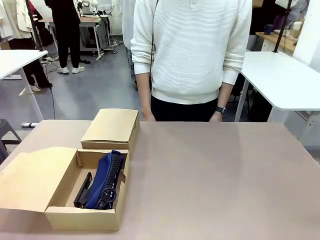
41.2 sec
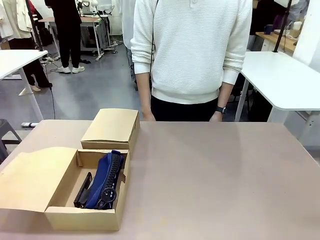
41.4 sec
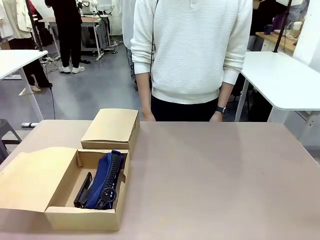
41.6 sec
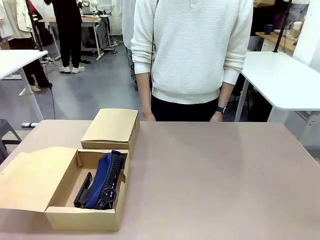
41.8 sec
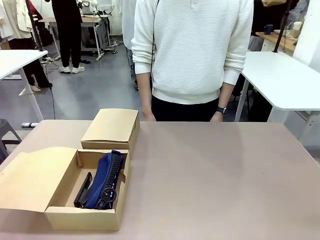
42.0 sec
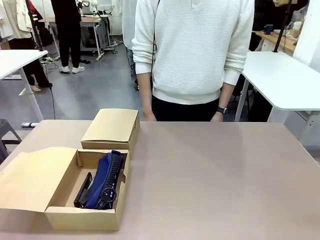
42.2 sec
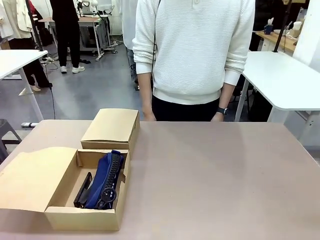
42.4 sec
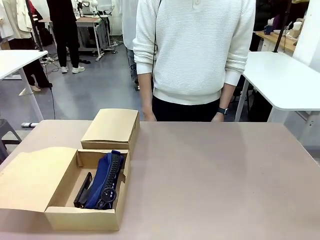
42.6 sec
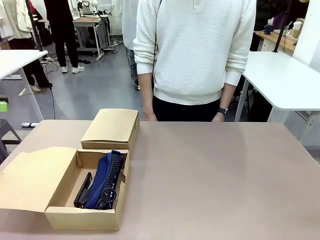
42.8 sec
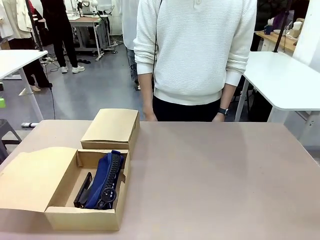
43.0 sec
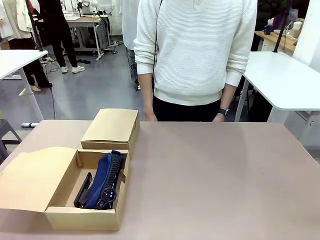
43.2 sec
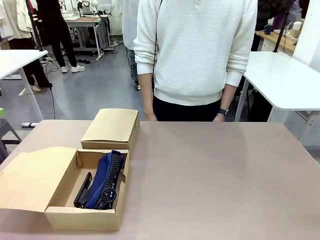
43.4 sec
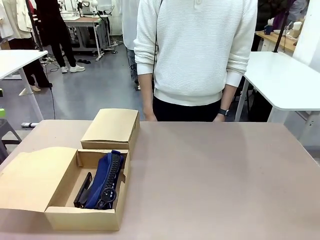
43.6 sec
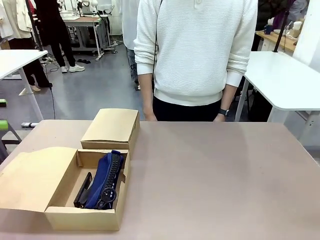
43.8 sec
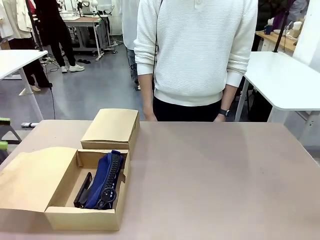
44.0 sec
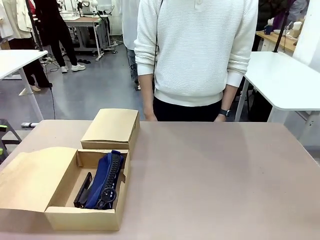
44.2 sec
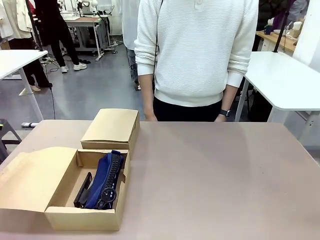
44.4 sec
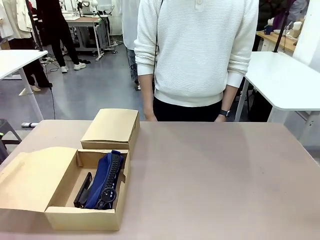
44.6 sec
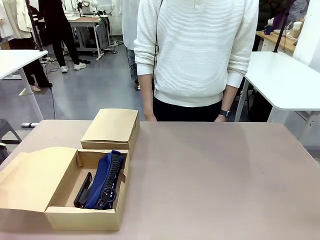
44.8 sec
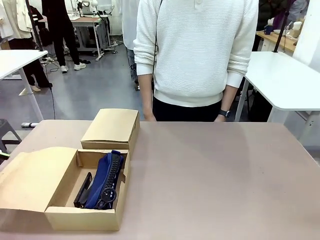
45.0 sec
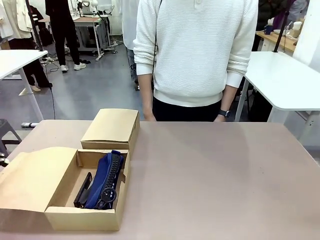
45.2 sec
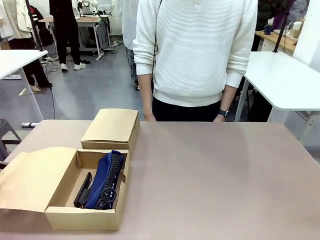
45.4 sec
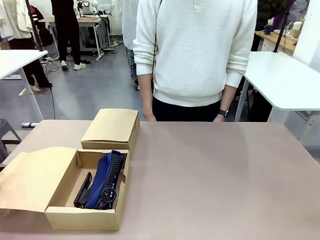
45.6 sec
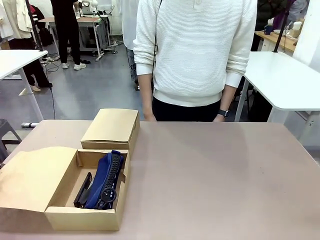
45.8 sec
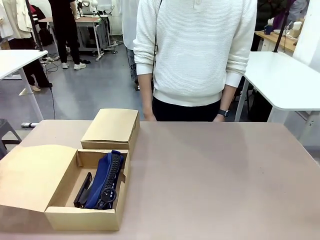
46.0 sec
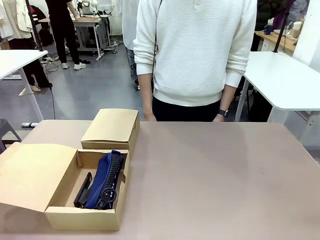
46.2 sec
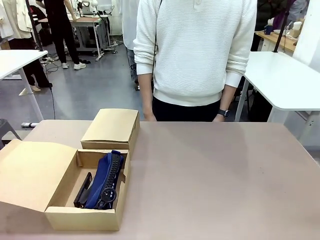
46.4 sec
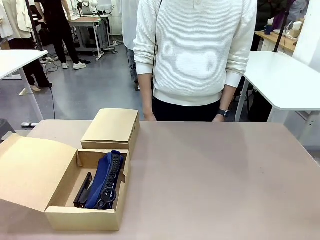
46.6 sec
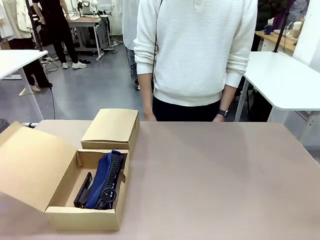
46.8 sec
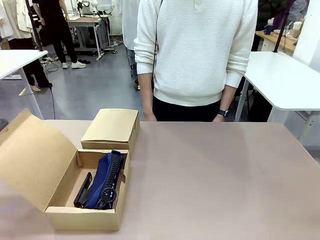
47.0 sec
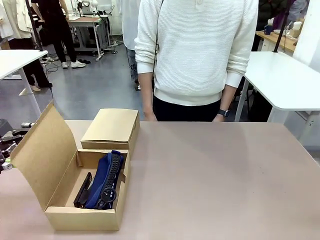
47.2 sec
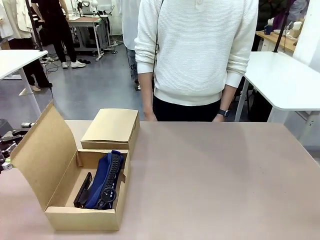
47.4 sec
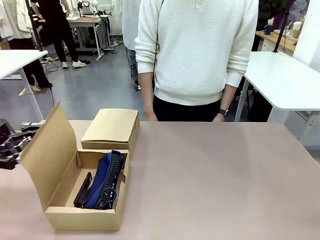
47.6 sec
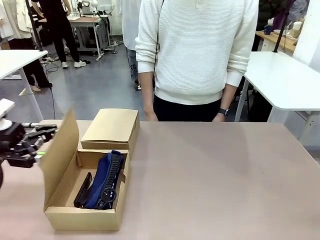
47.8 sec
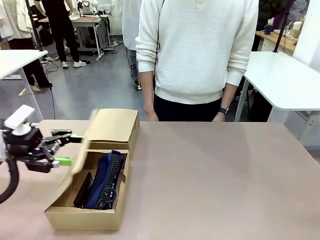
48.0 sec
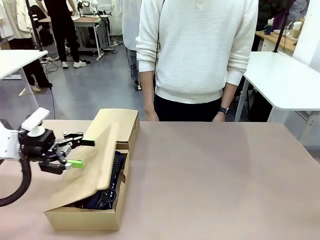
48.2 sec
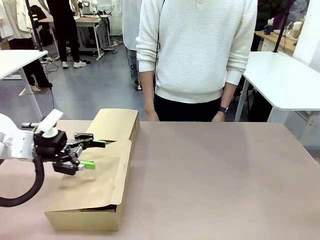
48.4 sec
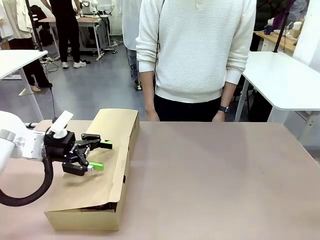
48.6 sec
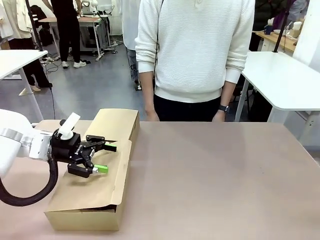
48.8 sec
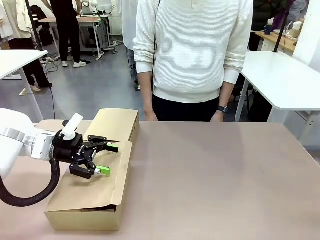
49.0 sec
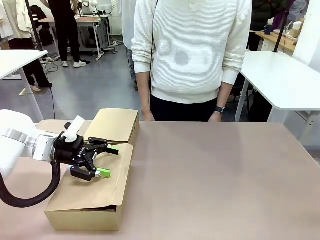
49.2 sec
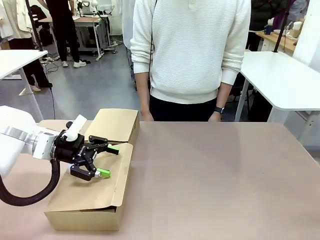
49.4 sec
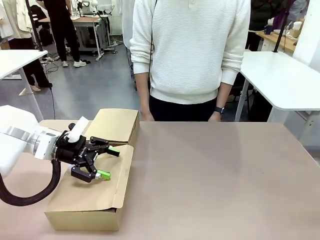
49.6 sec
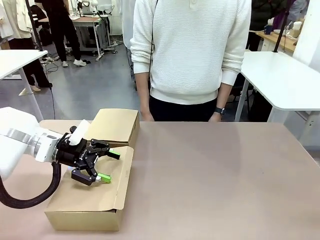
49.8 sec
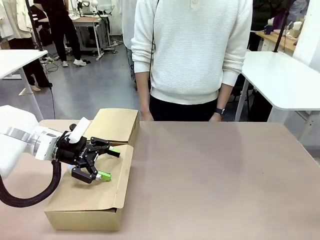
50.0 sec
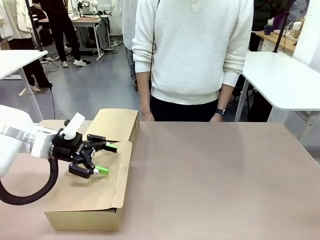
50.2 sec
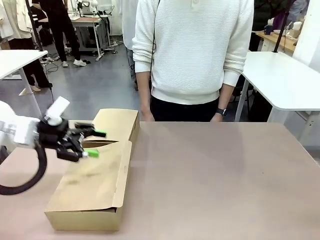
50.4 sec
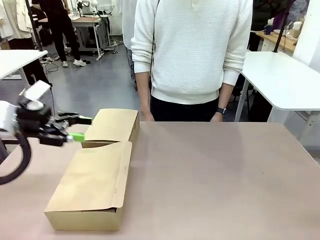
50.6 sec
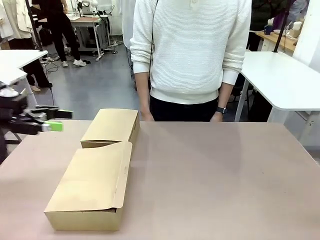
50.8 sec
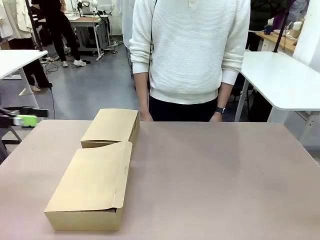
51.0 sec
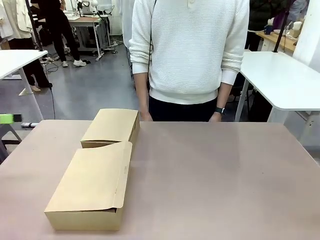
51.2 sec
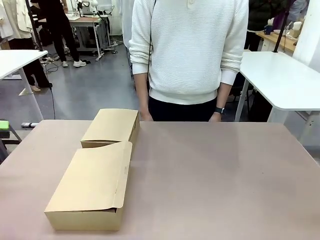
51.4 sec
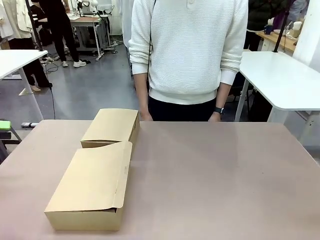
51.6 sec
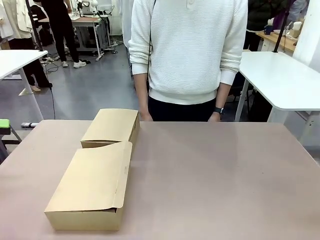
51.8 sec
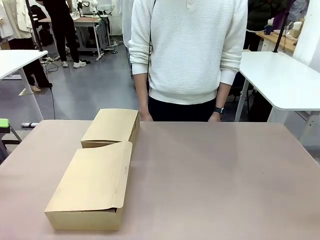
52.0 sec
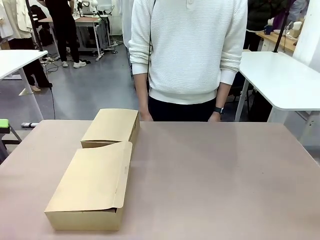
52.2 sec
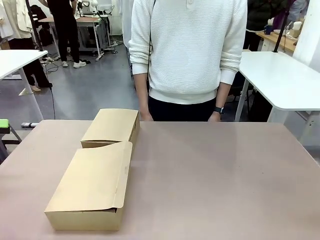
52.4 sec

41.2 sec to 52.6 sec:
Task: Place items inside the box.
Robot: Close the lid of the Mailer Box closest to the robot.

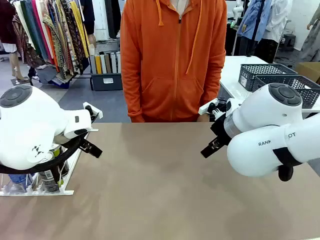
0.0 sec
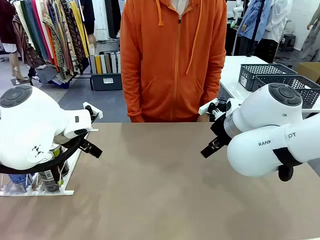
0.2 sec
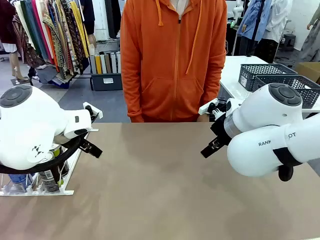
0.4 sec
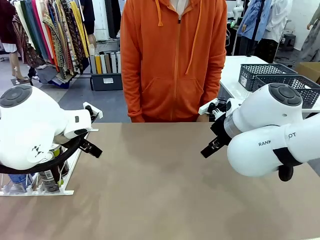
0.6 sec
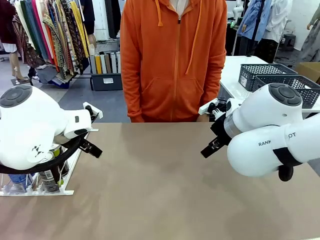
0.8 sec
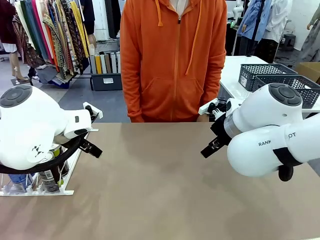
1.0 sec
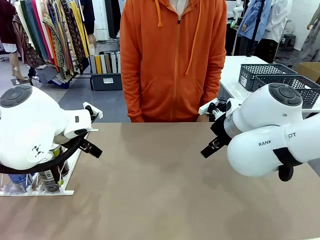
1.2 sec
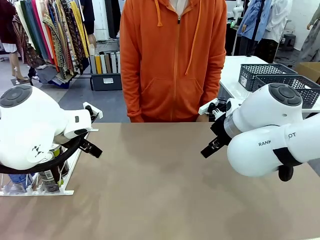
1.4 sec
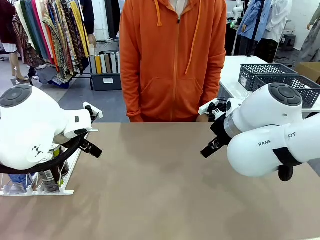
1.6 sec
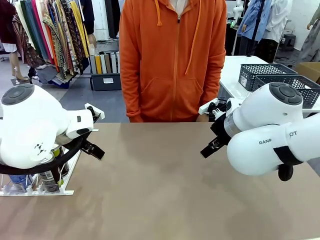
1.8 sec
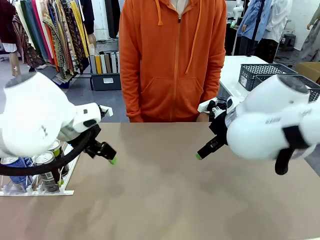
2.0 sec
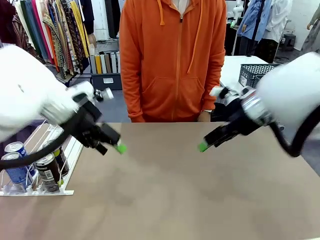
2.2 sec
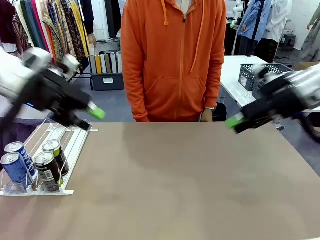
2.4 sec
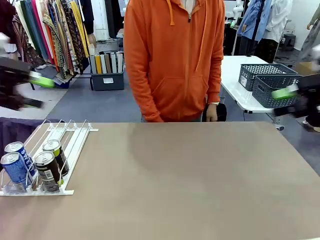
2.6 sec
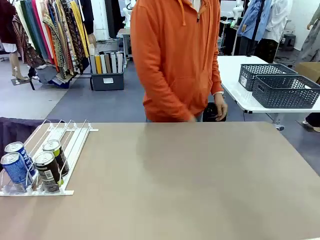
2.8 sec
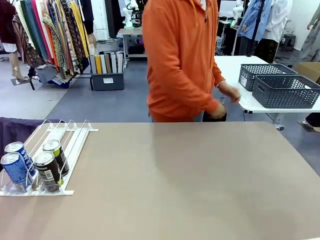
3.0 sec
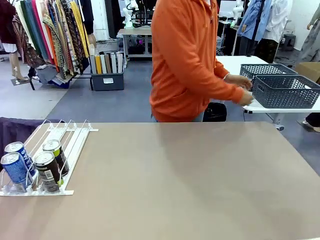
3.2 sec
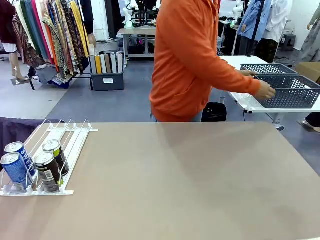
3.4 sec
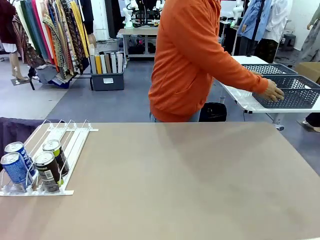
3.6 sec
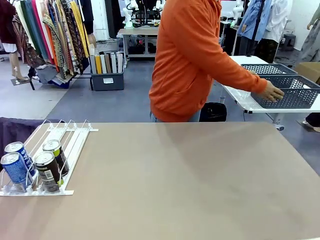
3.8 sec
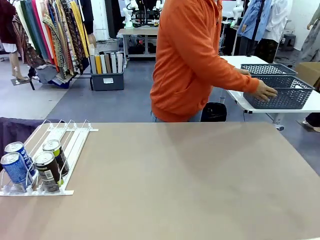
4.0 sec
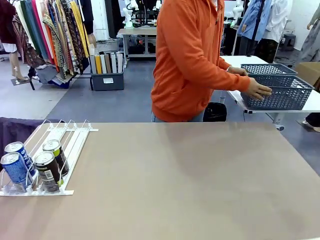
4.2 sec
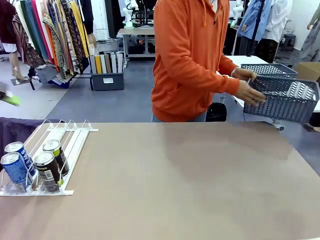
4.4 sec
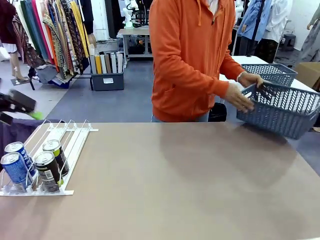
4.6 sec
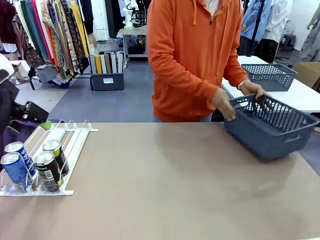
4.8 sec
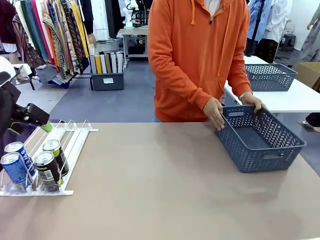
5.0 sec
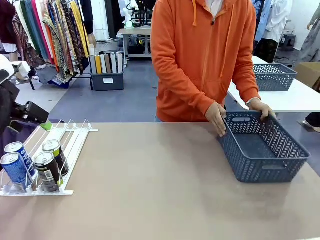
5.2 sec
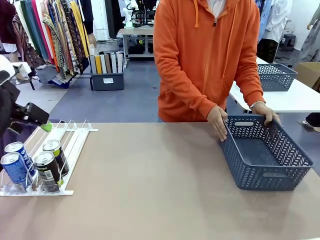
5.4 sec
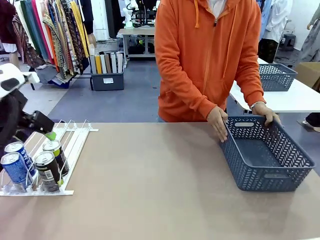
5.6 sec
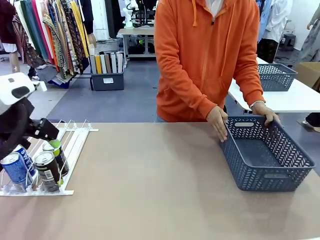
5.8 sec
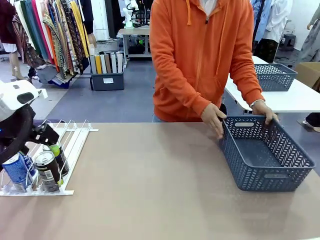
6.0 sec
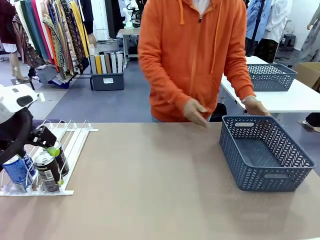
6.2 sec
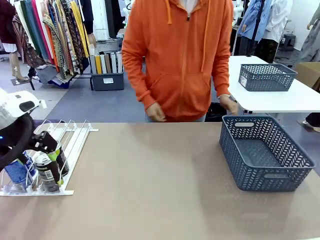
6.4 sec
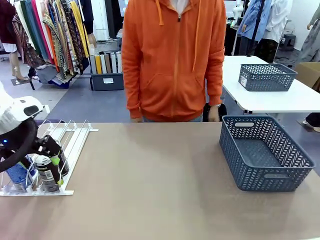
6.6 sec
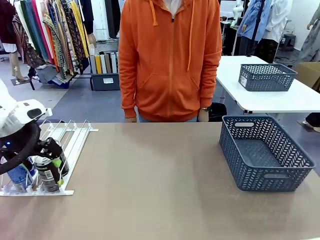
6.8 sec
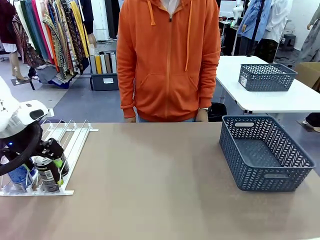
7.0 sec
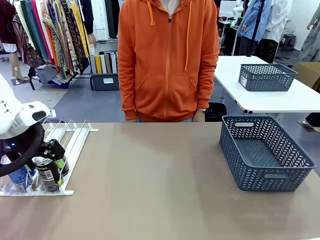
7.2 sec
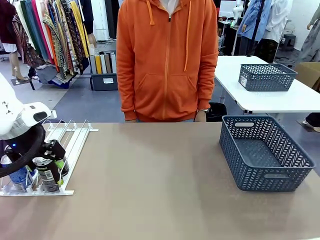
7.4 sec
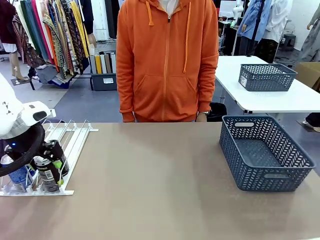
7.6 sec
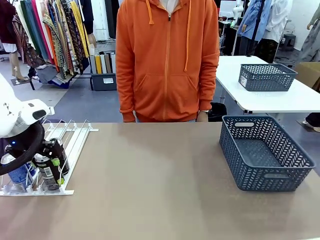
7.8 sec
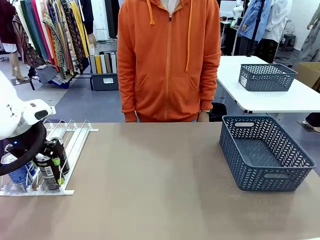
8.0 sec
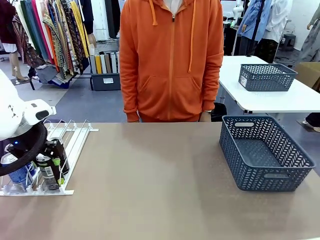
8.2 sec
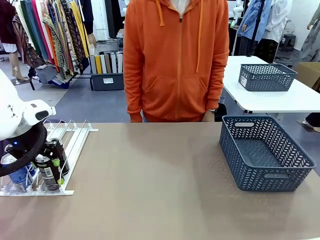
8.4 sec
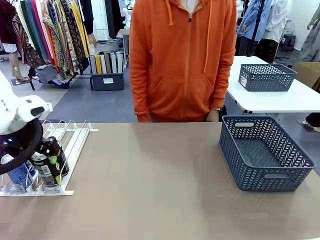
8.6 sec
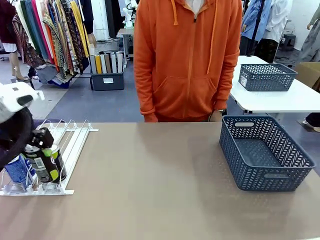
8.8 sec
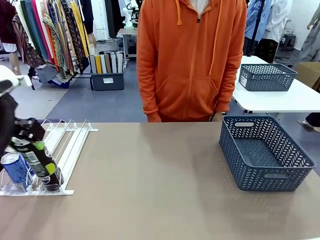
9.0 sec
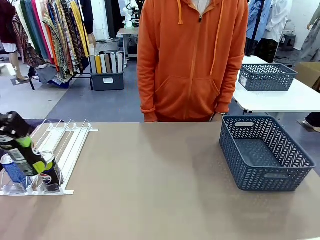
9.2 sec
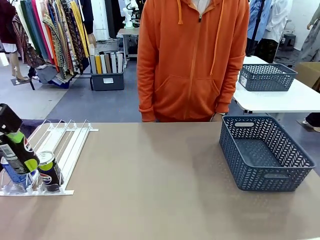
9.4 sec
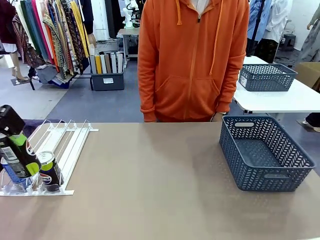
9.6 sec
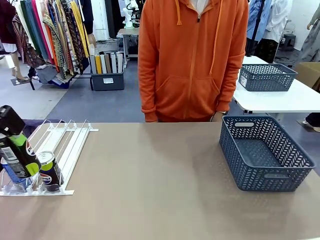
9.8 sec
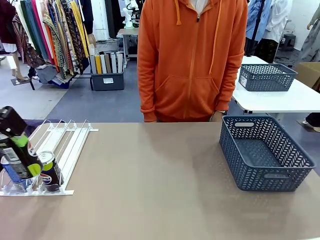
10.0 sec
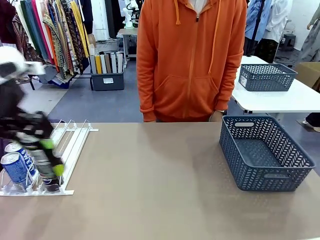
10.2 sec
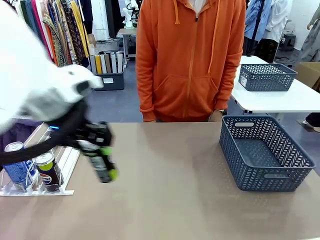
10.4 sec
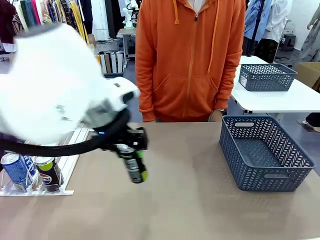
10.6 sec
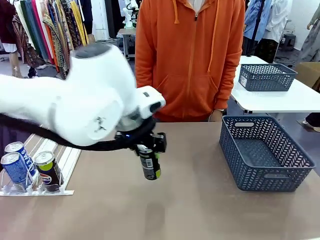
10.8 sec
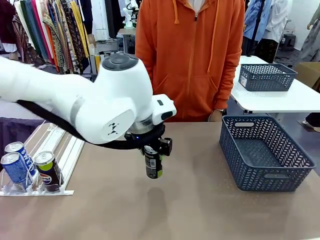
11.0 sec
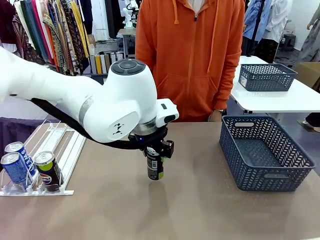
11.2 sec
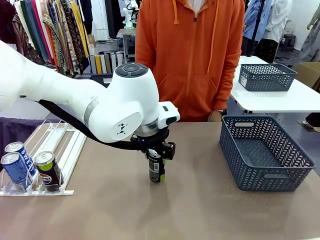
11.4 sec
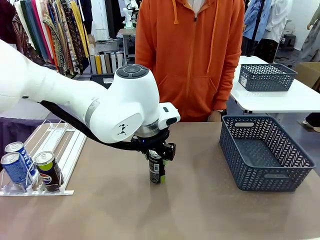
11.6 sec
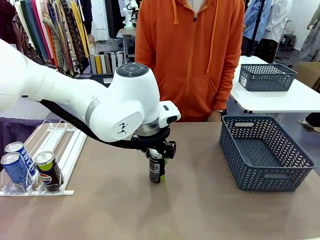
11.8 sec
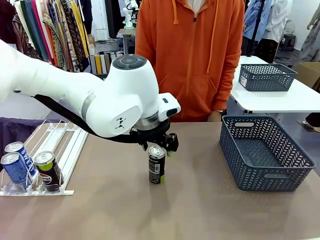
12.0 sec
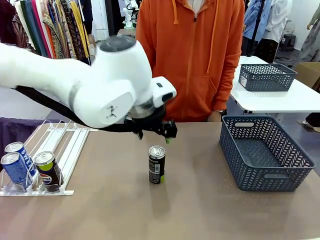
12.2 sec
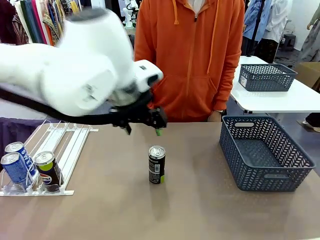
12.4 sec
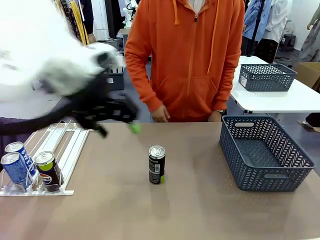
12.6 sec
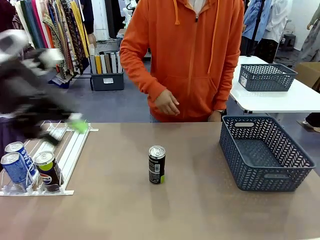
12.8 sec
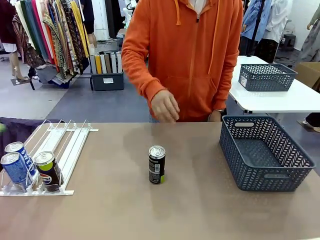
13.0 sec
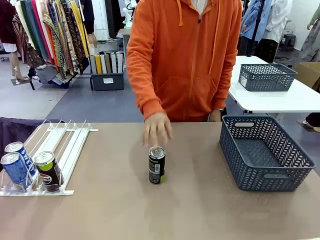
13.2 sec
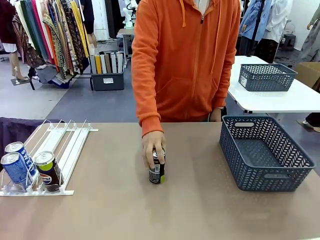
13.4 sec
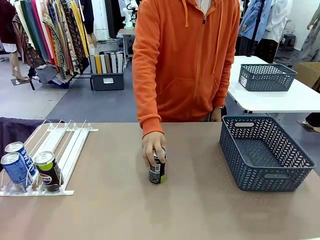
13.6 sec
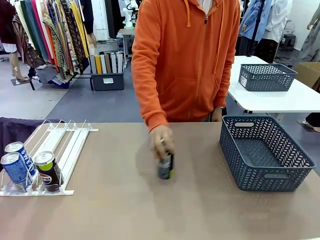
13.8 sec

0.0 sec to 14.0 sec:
Task: Retrieve and store the cans from the dispenser.
Robot: Pick up one can from the Automatic Can Dispenser and place it in the middle of the table.
Person: Pick up the basket and place it on the left side of the robot table.
